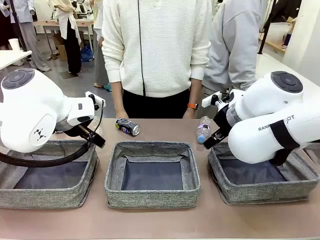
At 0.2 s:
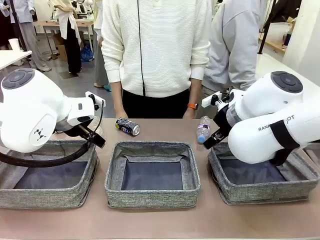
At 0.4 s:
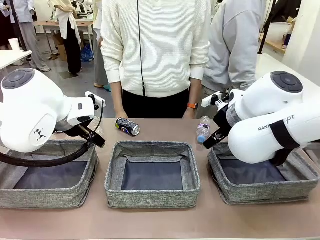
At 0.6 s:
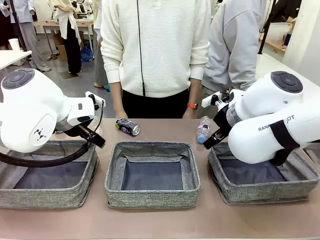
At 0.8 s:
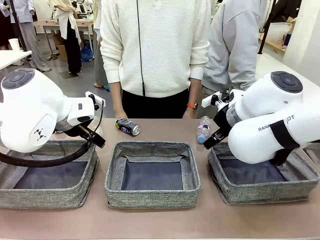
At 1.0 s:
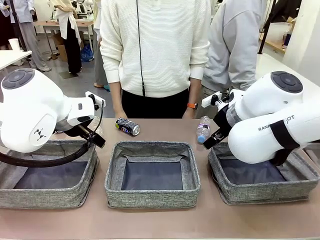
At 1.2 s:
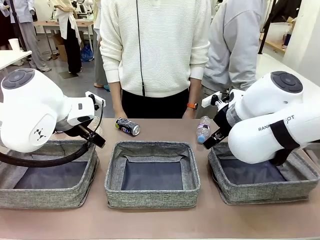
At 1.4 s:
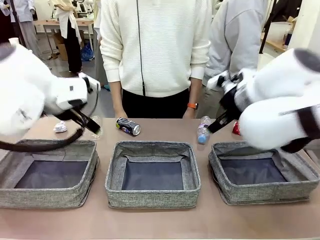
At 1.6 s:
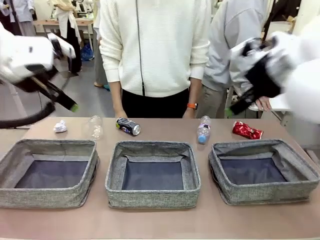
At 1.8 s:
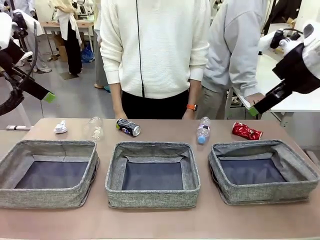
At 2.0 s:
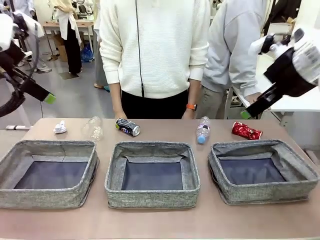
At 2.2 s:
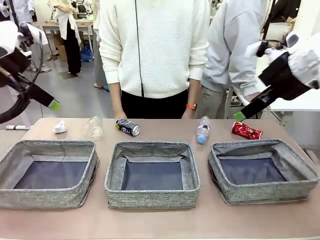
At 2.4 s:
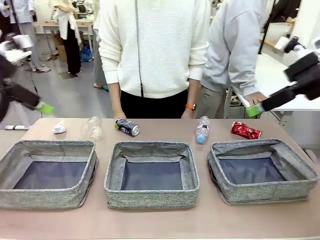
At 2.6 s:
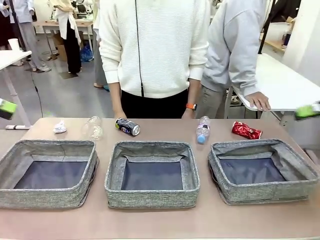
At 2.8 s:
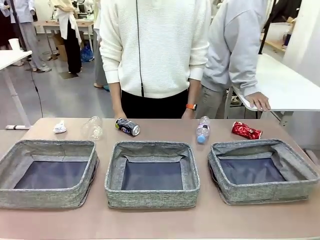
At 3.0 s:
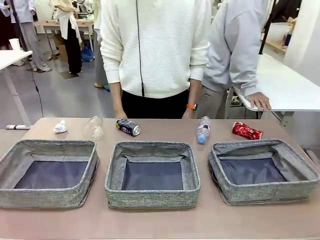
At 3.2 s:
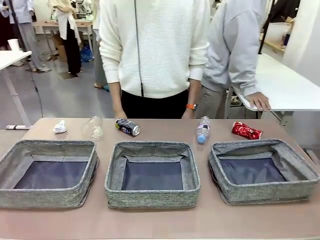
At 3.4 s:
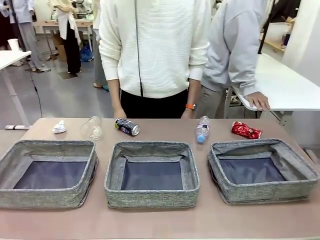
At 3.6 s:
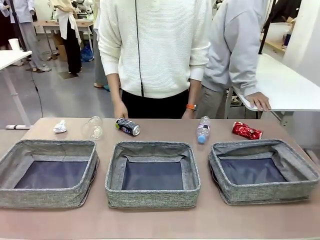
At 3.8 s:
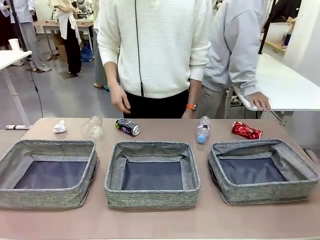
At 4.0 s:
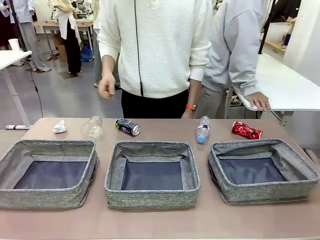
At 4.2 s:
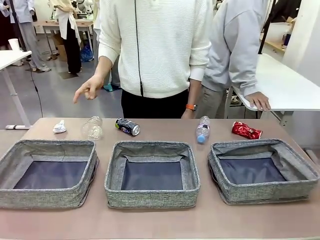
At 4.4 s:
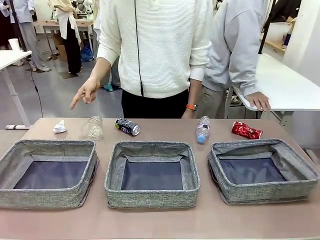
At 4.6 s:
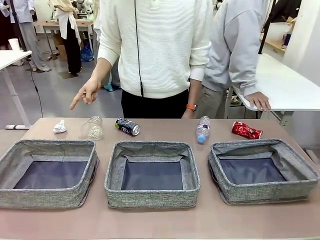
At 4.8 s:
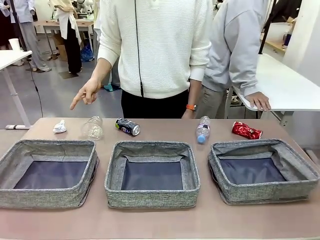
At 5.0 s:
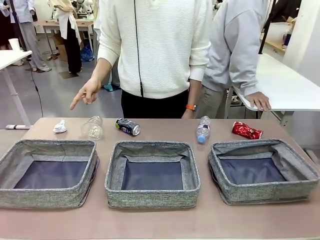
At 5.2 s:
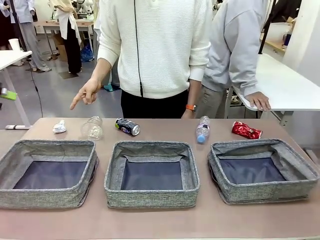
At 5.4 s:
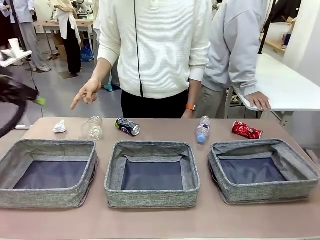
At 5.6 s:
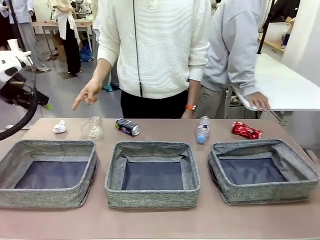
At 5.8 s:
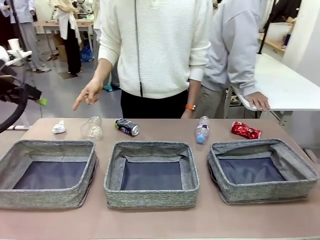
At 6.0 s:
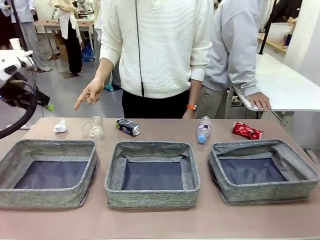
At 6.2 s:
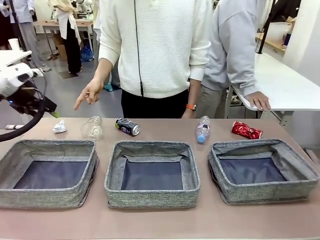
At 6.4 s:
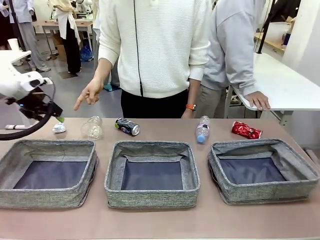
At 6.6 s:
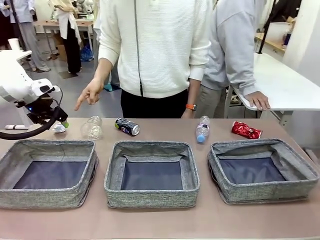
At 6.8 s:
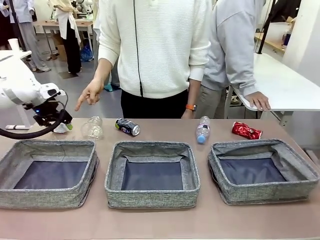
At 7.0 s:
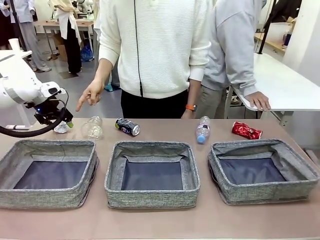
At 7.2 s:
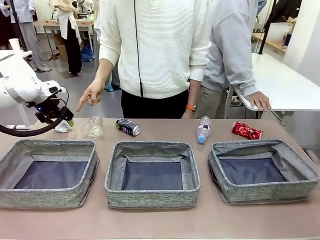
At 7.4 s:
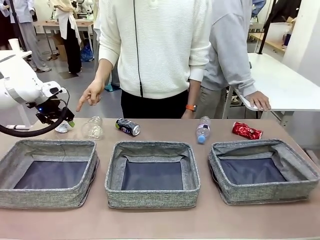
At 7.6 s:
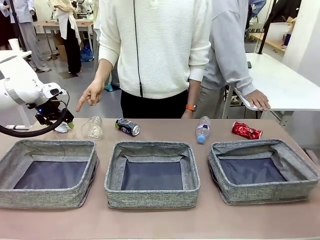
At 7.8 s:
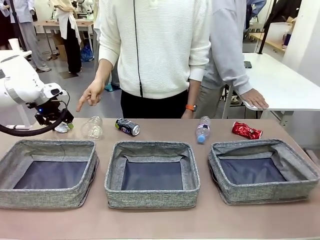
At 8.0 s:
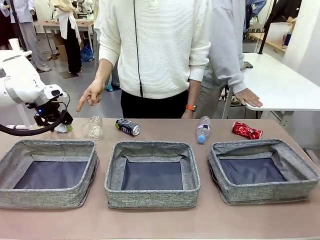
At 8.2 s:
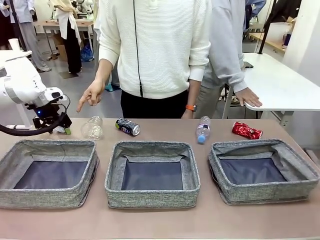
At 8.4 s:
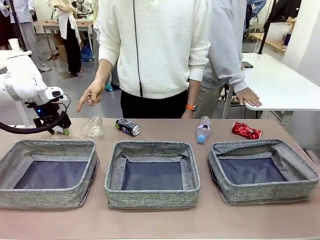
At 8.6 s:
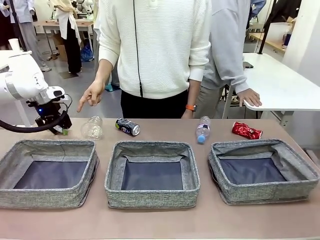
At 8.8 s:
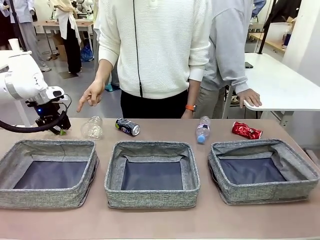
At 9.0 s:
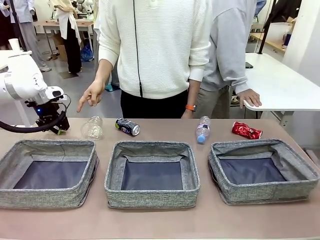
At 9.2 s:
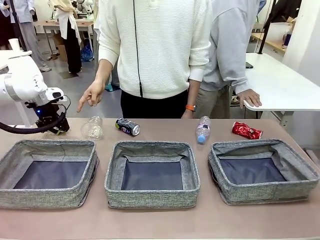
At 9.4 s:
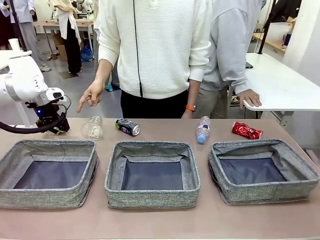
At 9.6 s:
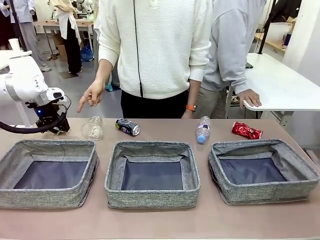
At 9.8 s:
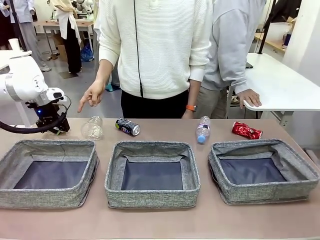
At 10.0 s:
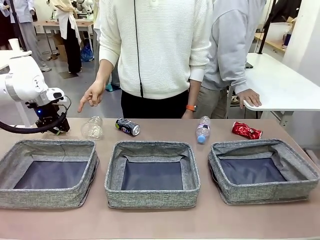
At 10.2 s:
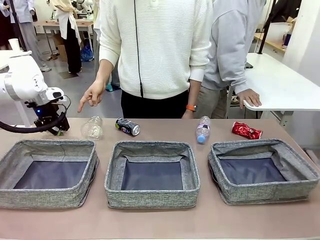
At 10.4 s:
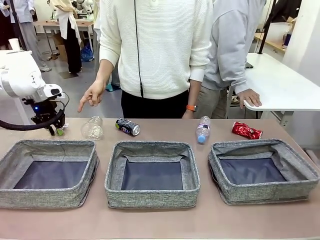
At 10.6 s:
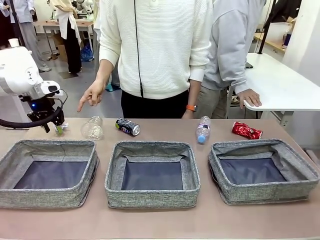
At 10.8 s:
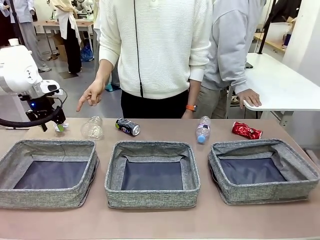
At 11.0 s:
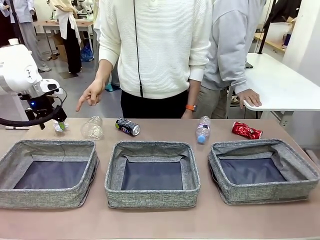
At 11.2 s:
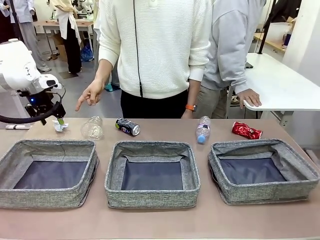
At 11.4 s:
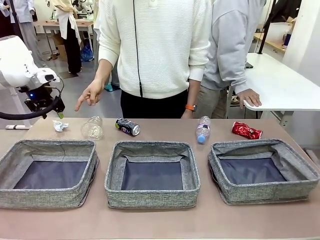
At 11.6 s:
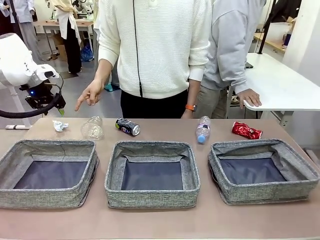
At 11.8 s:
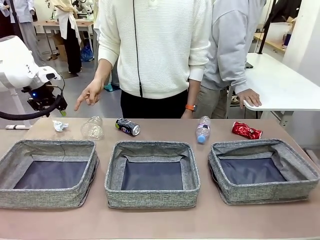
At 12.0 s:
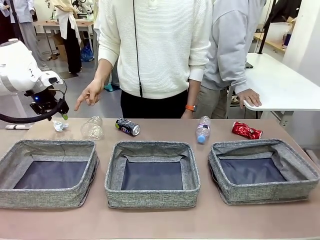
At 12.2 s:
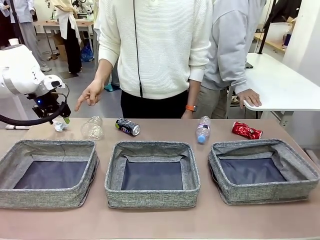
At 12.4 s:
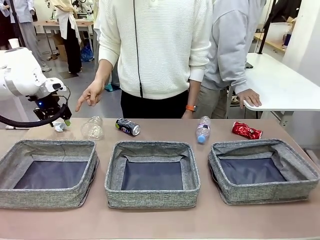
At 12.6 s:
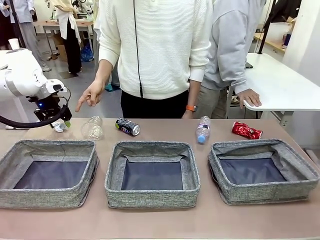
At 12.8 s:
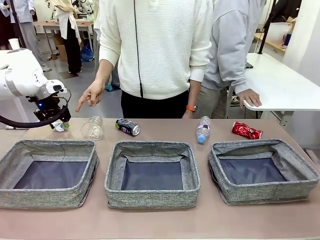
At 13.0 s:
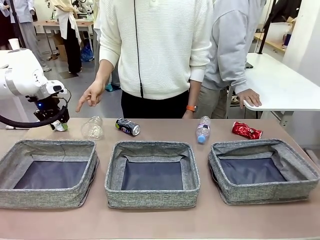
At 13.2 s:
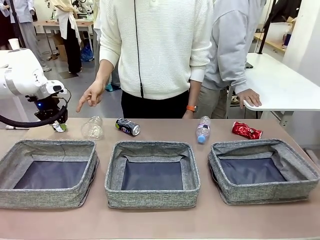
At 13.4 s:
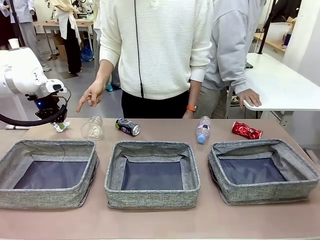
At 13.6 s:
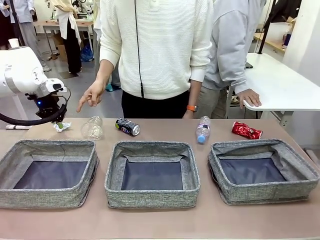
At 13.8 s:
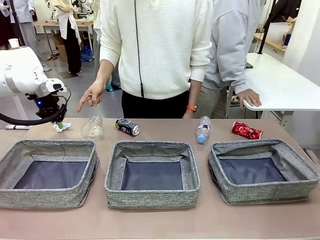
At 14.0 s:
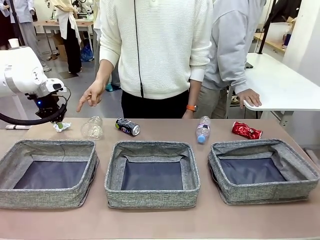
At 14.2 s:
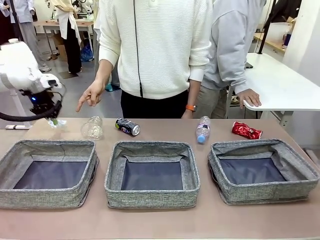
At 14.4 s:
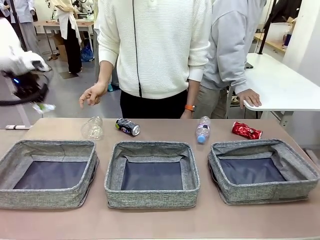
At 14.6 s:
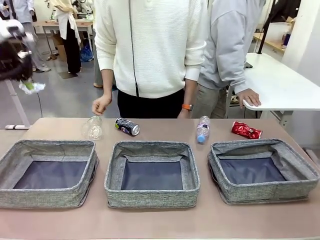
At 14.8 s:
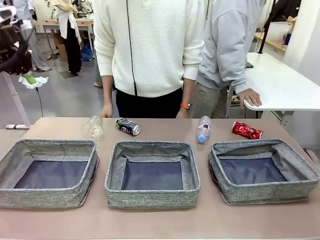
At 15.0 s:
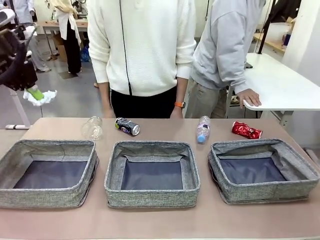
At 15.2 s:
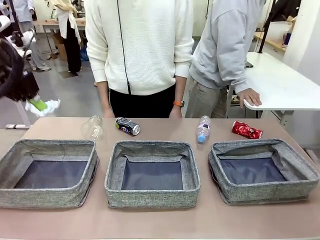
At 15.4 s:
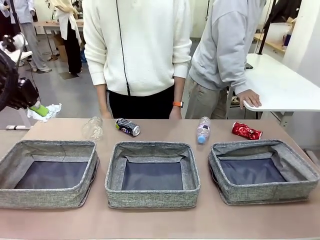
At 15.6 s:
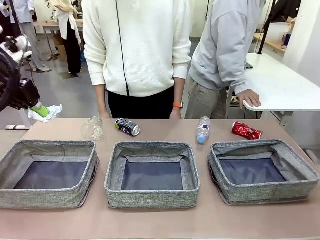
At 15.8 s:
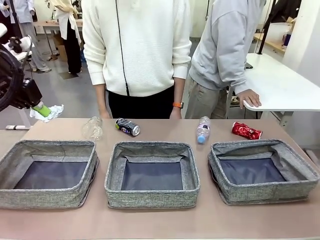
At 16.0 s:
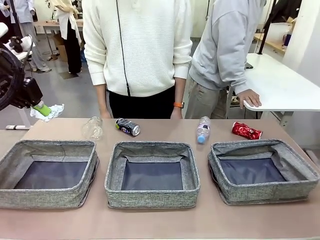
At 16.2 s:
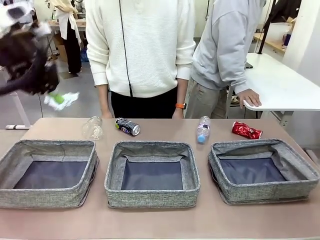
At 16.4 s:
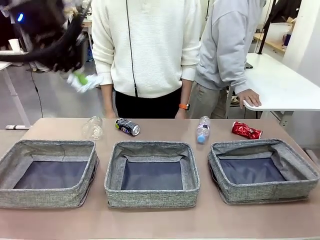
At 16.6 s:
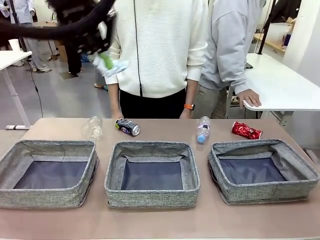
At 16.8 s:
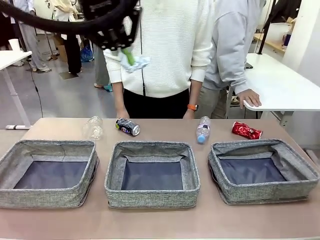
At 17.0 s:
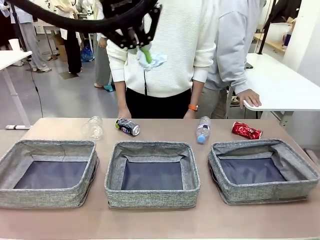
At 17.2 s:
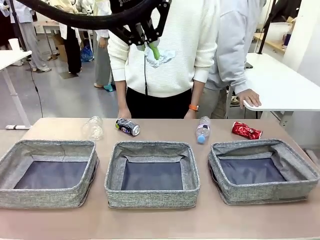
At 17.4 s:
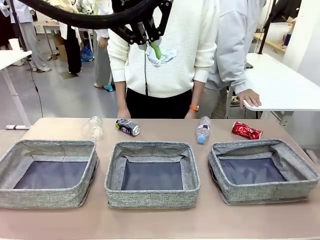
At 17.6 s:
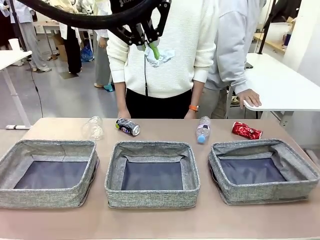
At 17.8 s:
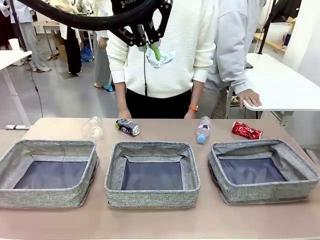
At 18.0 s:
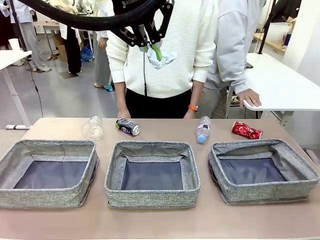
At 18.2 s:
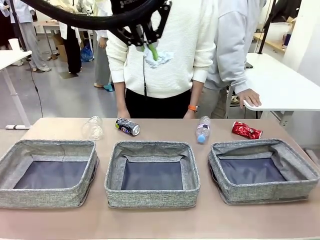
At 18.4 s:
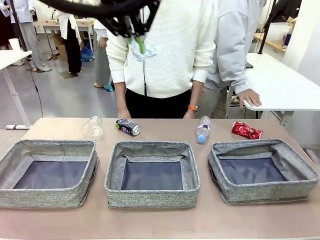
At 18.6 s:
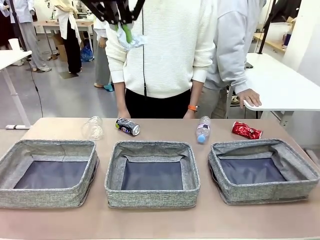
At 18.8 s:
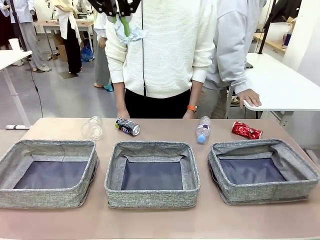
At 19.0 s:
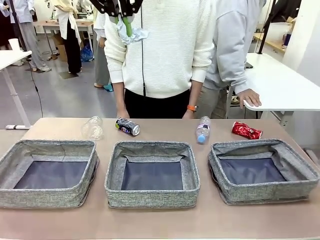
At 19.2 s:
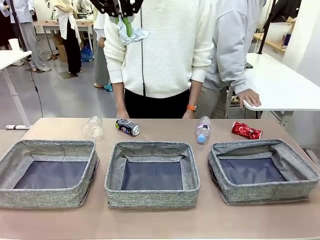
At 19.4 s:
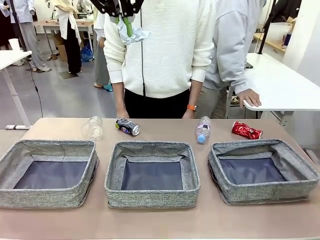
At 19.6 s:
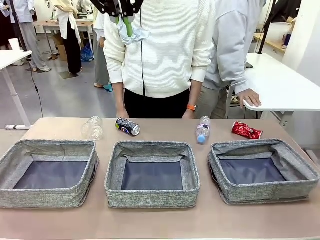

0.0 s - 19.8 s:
Task: Sort the waste into the appropriate baskets.
Robot: Pick up the waste item pointed out by the person.
Person: Points to one piece of trash on the table.
